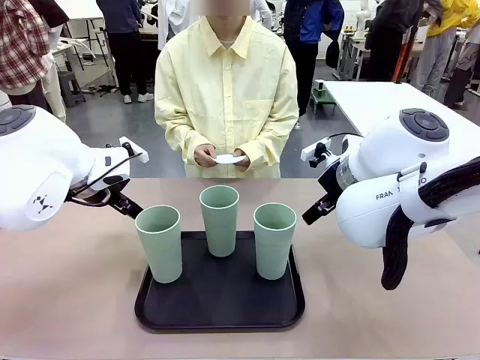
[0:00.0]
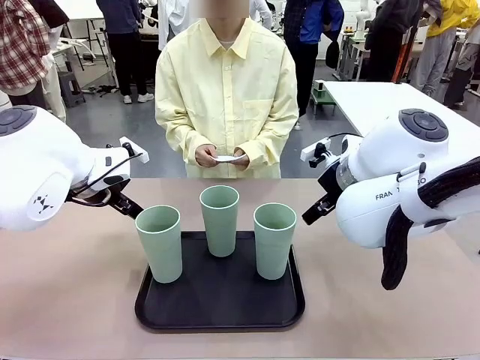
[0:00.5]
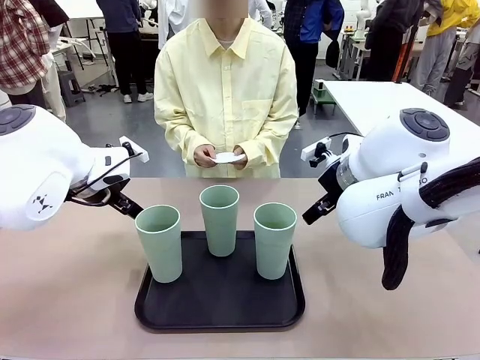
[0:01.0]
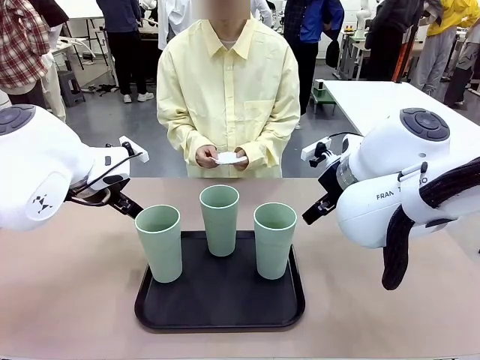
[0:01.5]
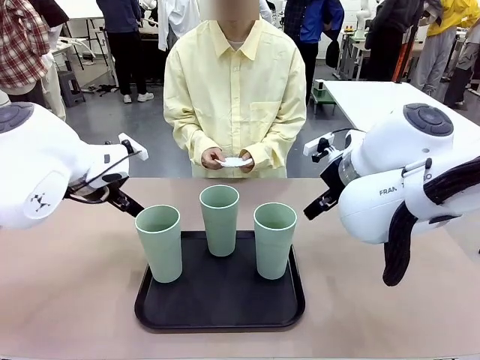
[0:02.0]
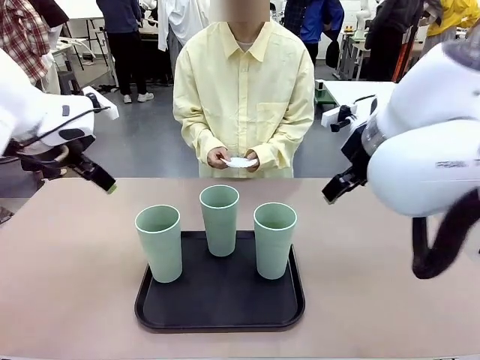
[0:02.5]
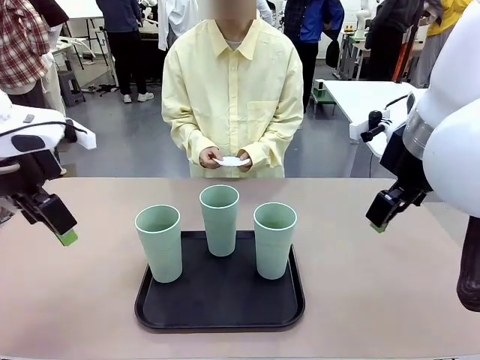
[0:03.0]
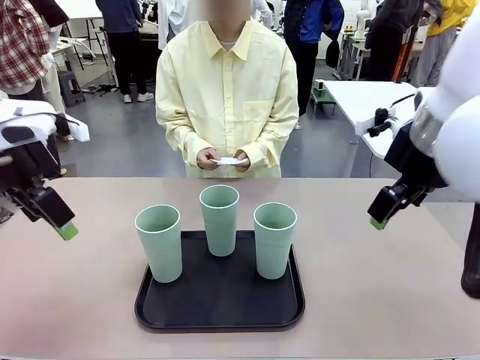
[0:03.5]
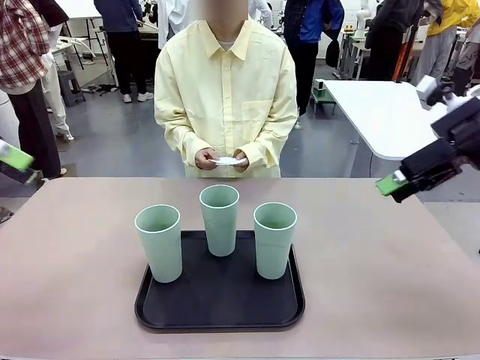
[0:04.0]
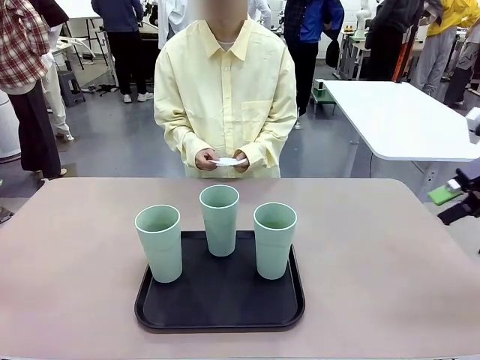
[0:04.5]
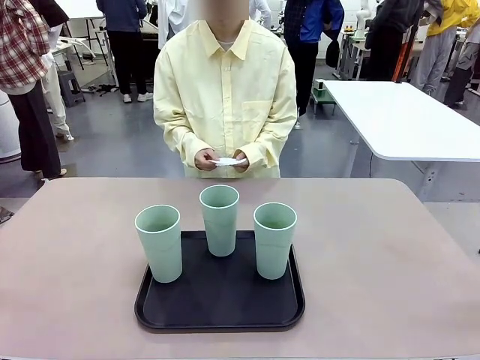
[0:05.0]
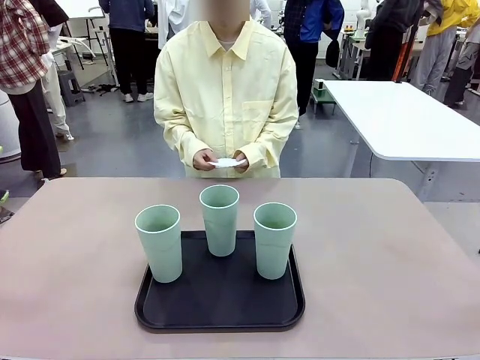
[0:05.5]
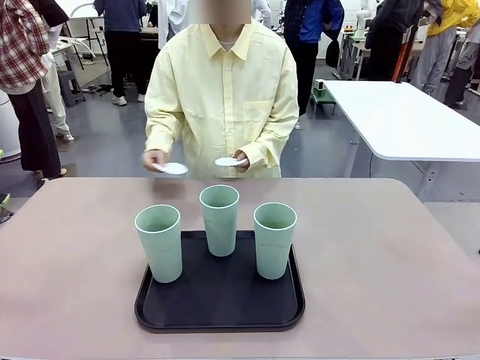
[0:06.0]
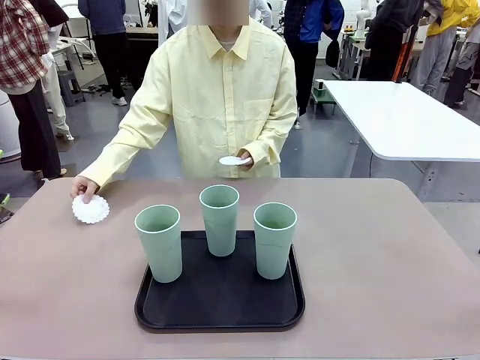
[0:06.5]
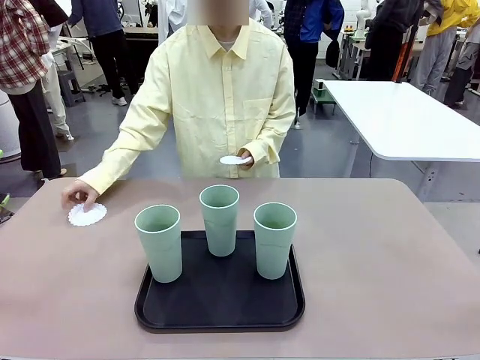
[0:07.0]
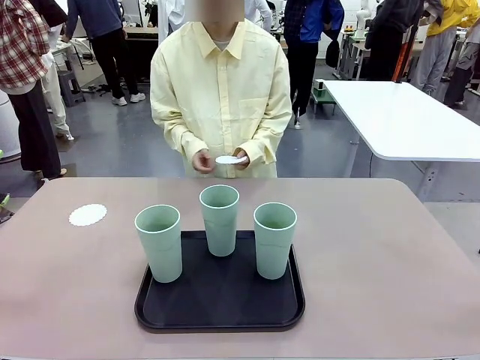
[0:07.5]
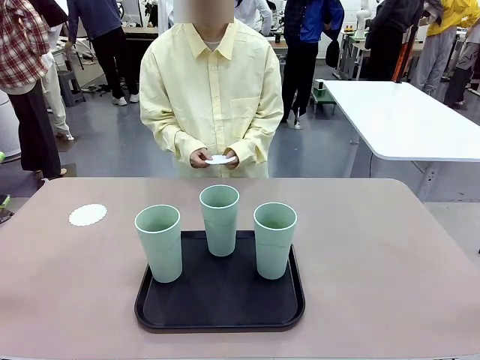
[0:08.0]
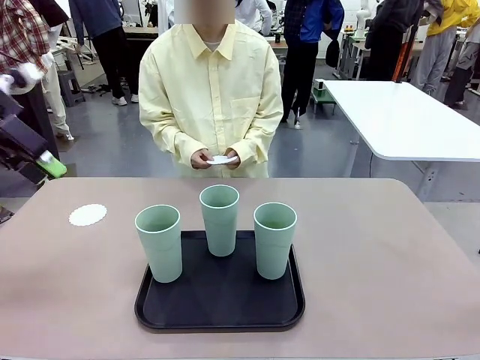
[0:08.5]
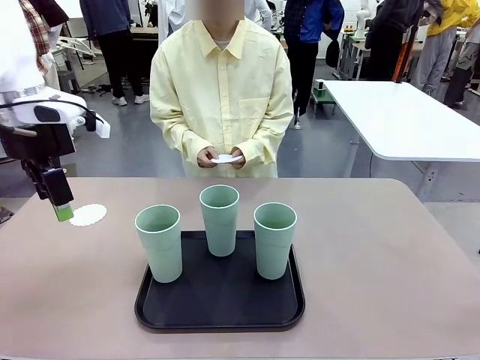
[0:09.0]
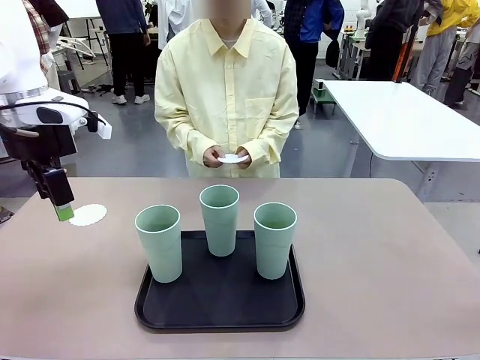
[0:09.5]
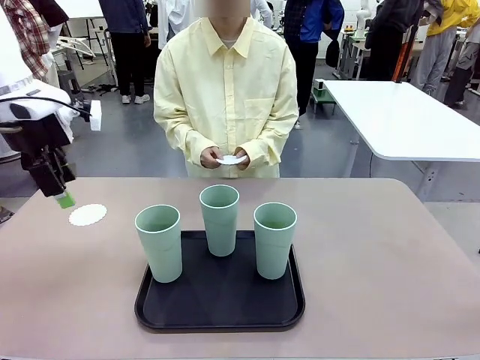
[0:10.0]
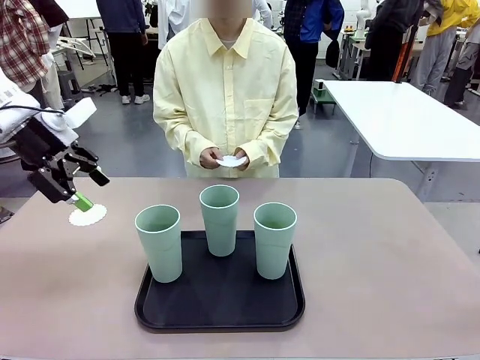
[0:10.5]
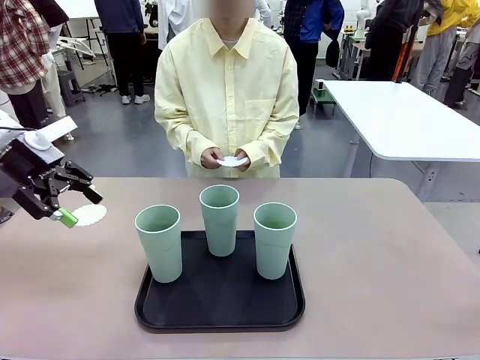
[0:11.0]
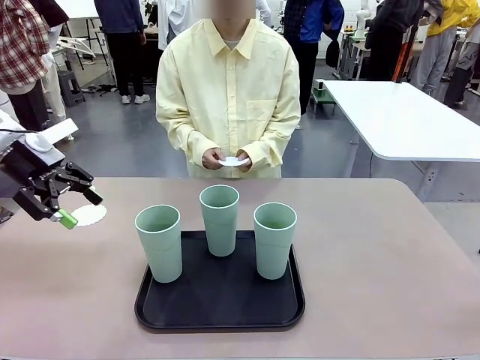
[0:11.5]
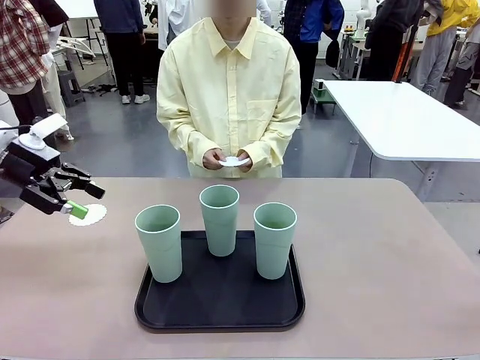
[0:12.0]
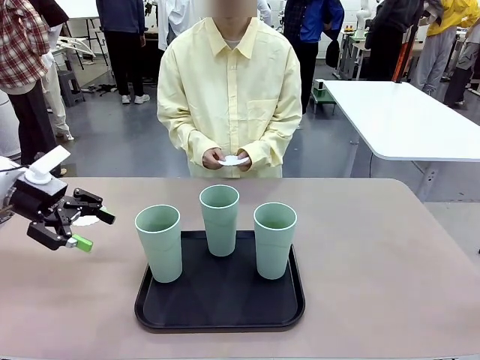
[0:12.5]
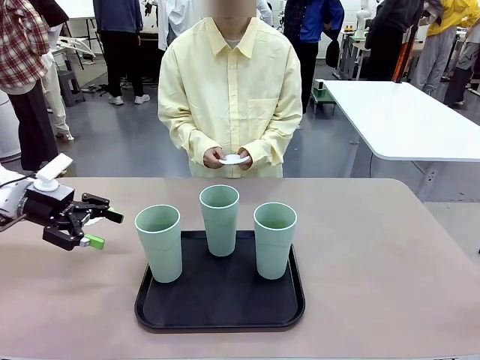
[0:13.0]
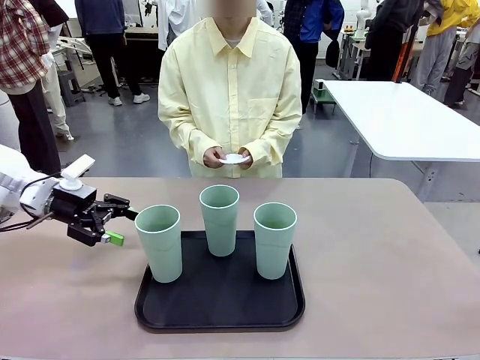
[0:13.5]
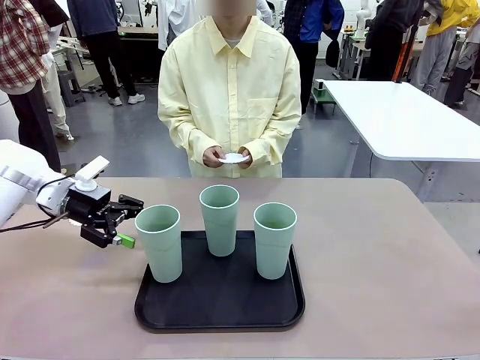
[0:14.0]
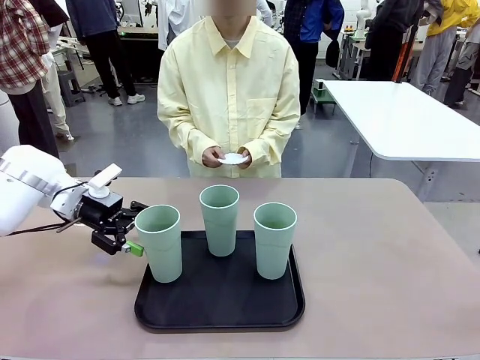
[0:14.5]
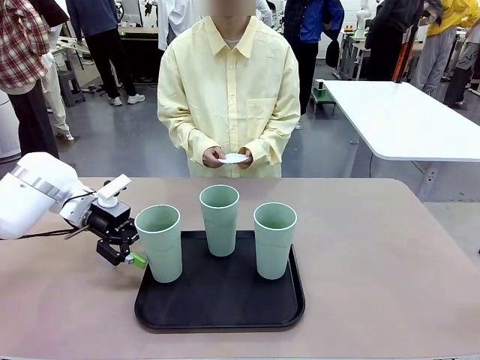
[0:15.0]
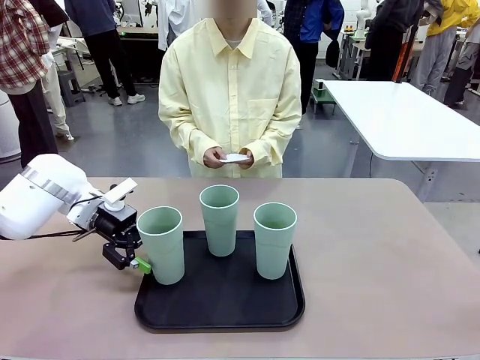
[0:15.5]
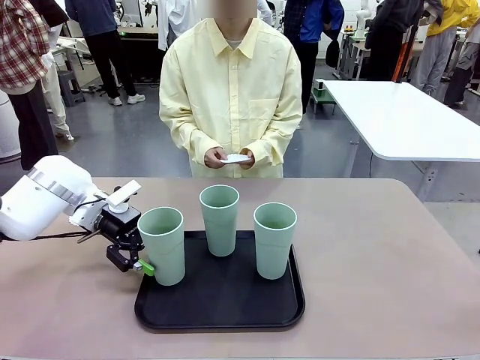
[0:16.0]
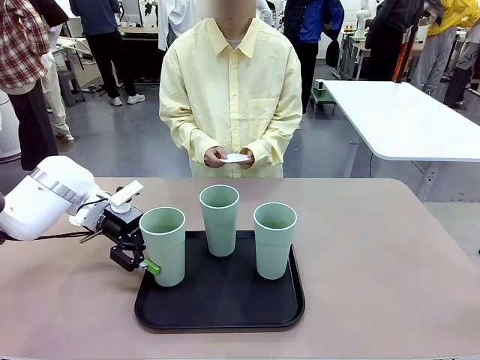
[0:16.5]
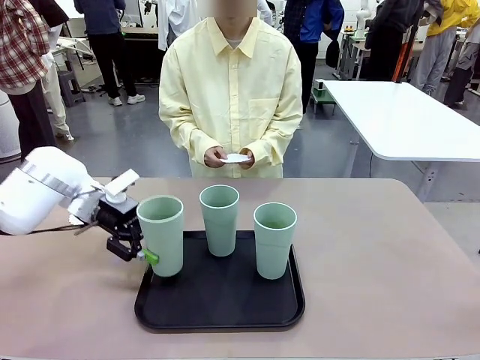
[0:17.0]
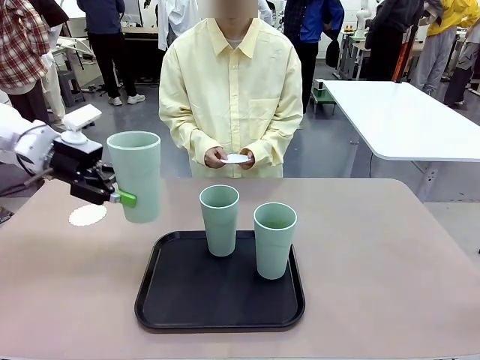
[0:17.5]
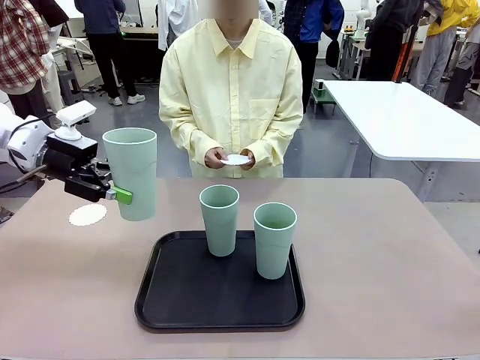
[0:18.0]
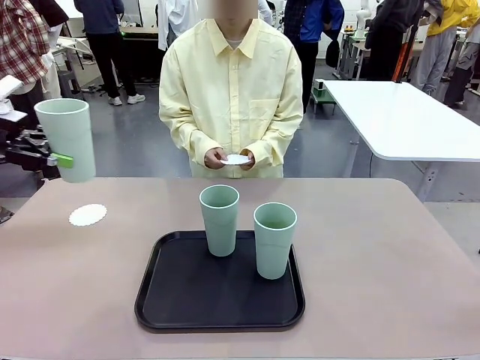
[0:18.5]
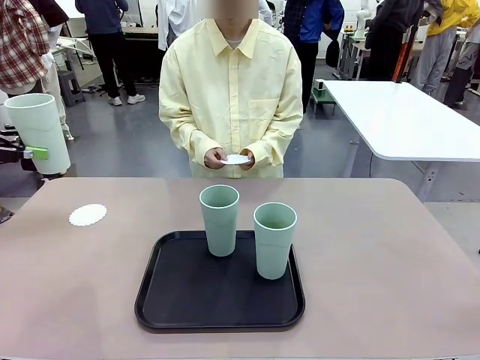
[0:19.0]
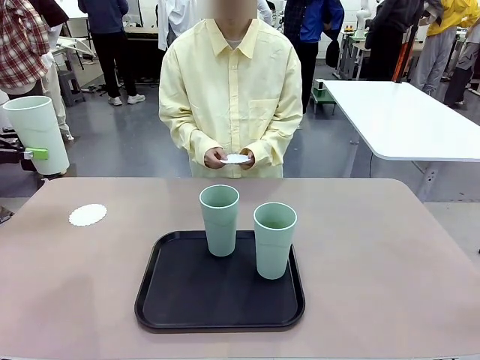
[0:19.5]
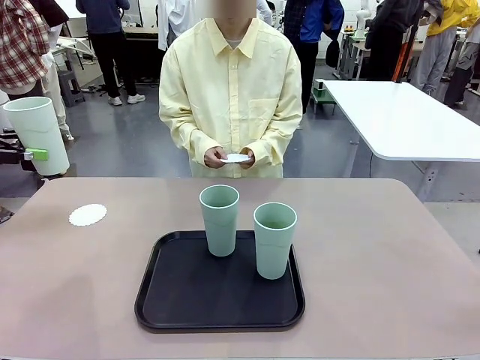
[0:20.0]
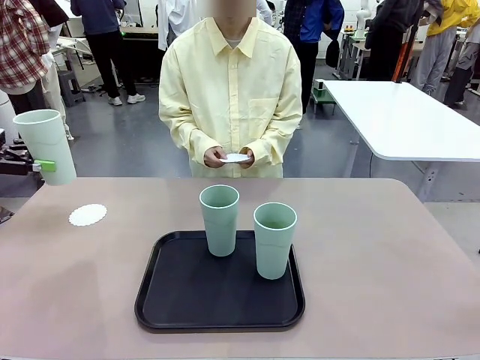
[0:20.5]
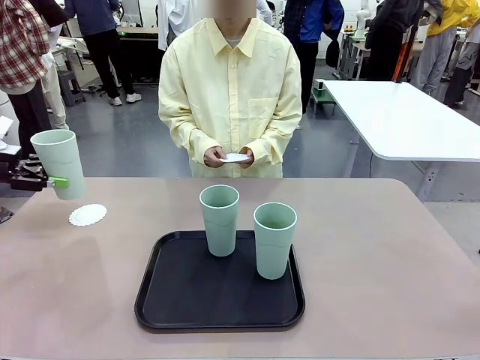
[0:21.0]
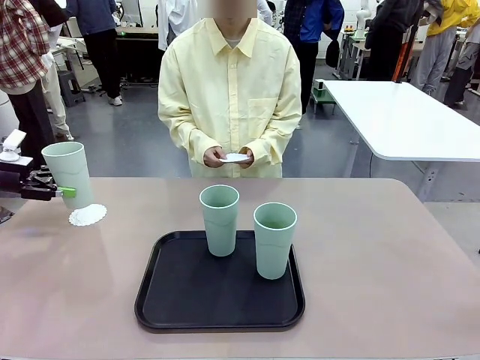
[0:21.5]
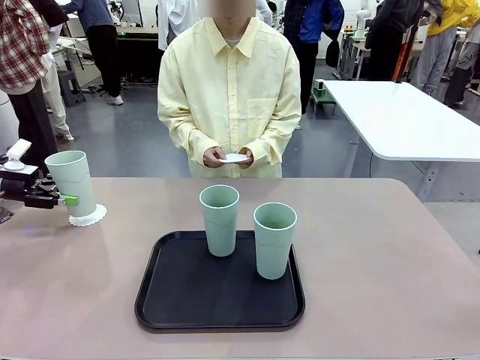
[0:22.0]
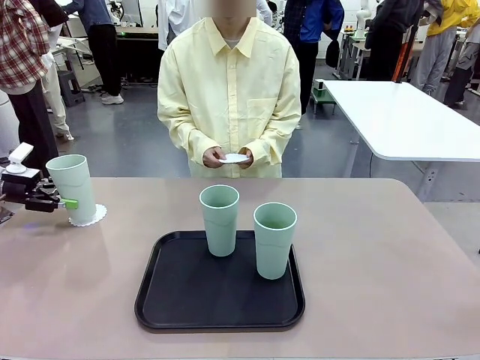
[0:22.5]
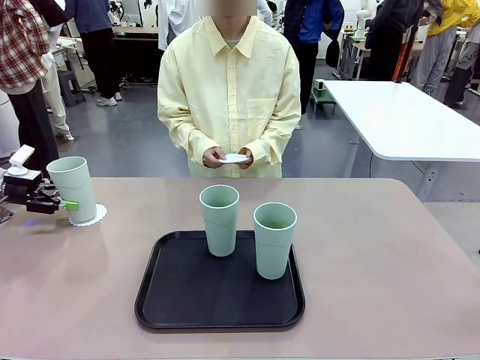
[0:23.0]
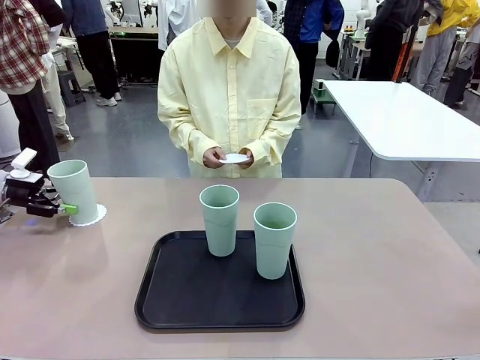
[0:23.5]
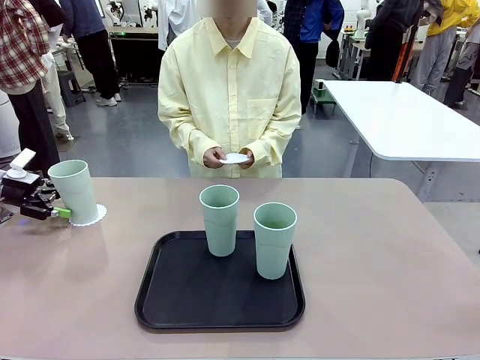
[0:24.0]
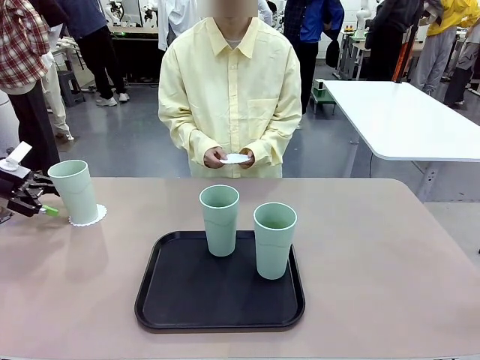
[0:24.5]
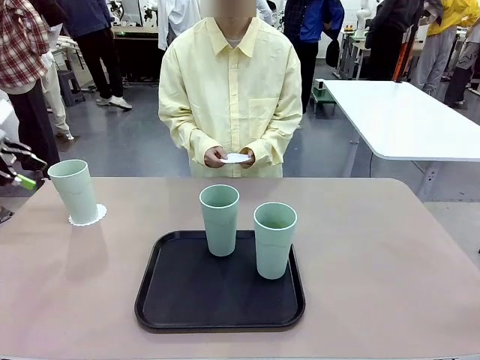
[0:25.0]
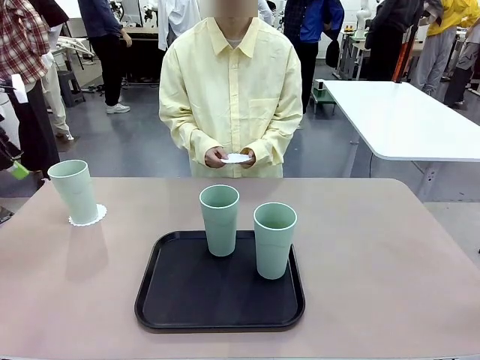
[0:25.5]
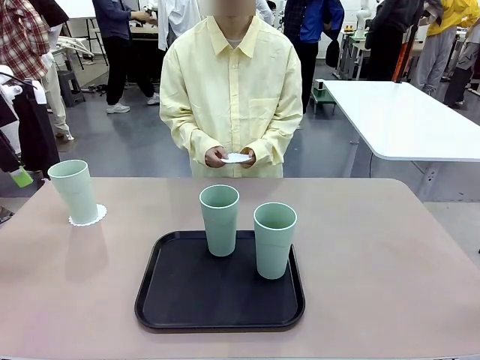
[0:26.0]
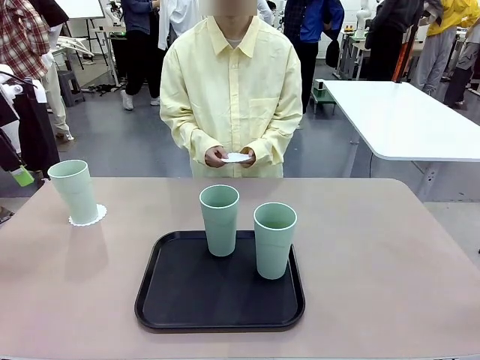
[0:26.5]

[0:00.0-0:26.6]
Task: Place coasters on the table and set cups on them.
Robot: Pick up one Reusable plastic cup and place it on a coaster set by the human.
Person: Place one coaster in any one of the three lower areas of the robot table (left, center, or right). Place one coaster in one of the two areas excluding the previously selected area.
